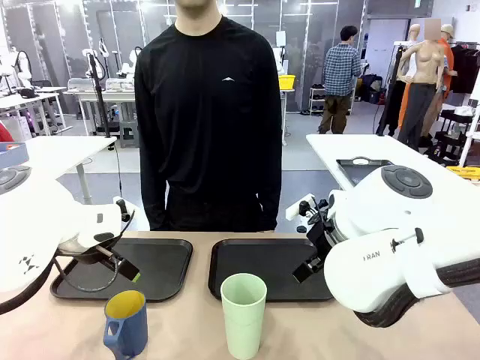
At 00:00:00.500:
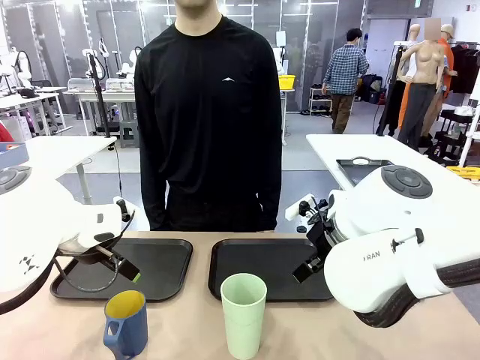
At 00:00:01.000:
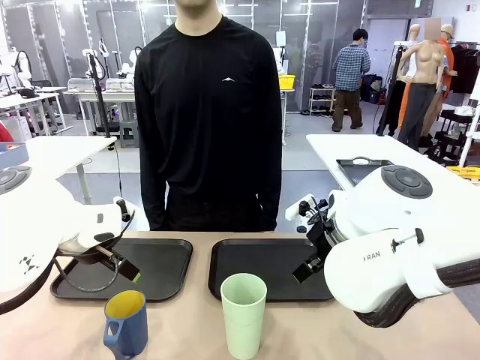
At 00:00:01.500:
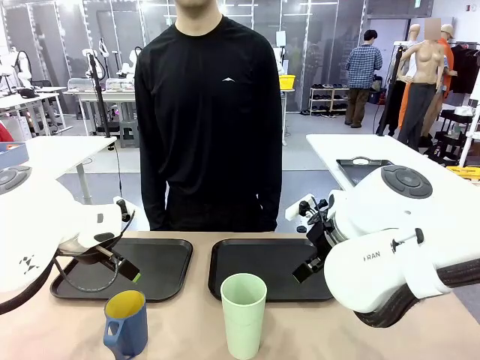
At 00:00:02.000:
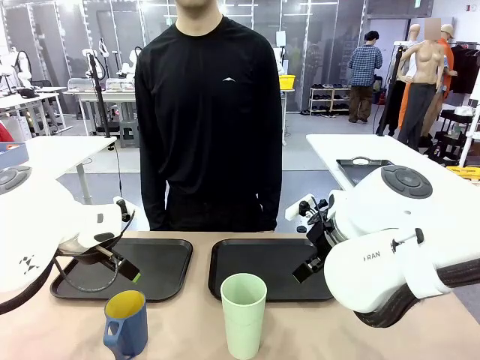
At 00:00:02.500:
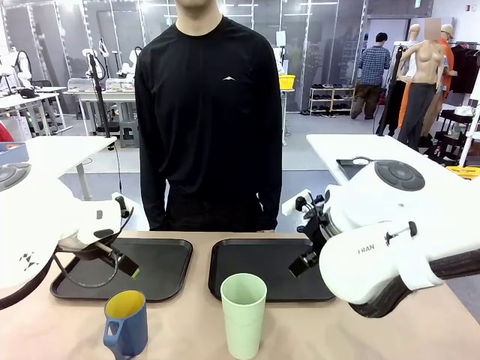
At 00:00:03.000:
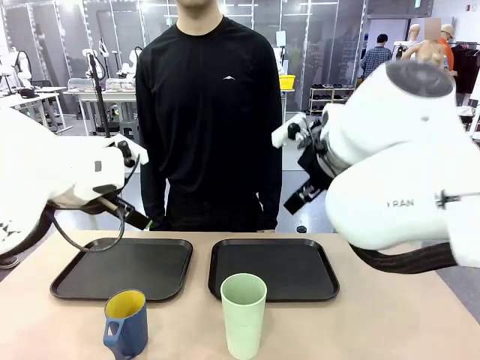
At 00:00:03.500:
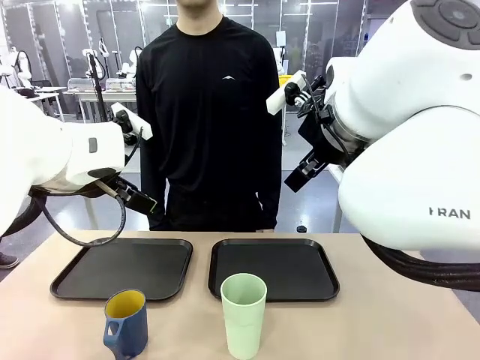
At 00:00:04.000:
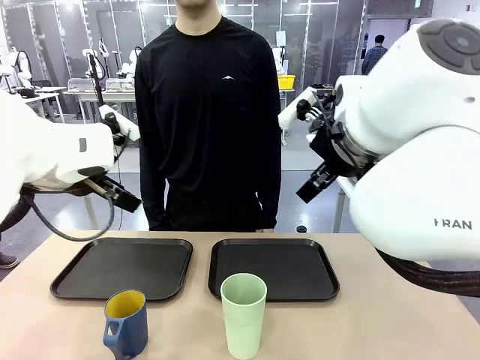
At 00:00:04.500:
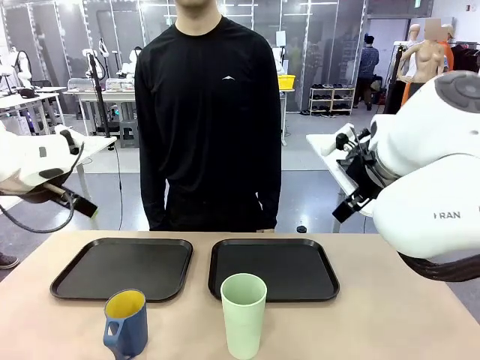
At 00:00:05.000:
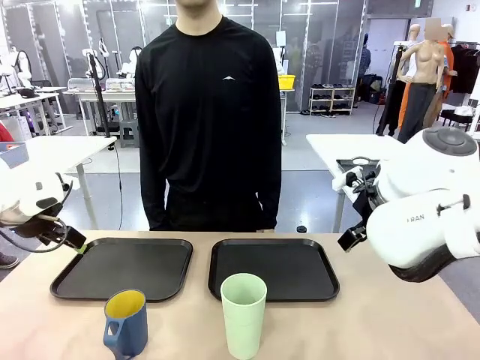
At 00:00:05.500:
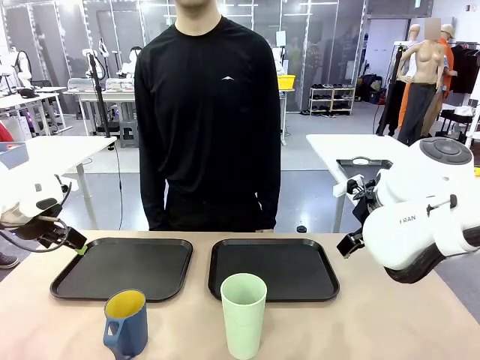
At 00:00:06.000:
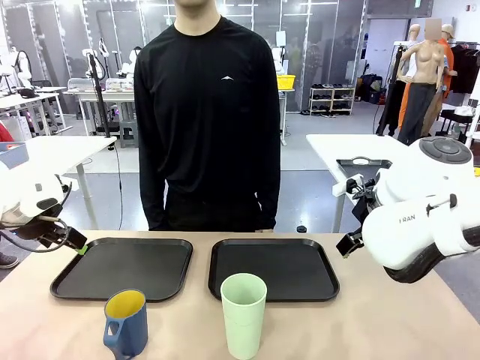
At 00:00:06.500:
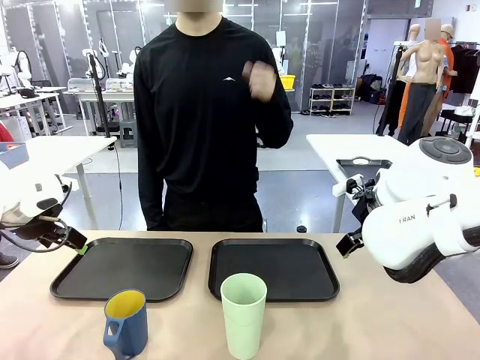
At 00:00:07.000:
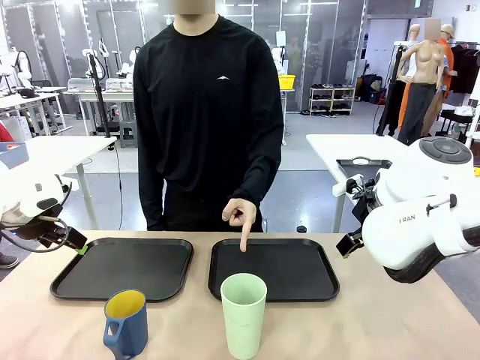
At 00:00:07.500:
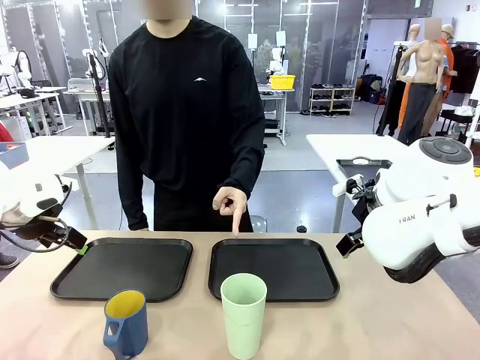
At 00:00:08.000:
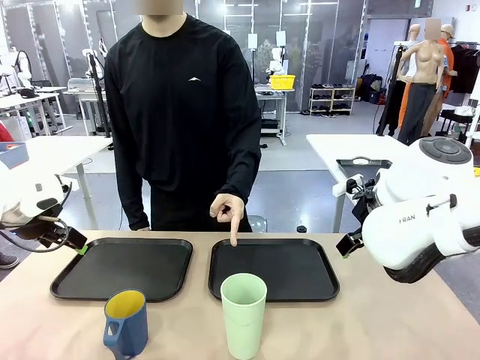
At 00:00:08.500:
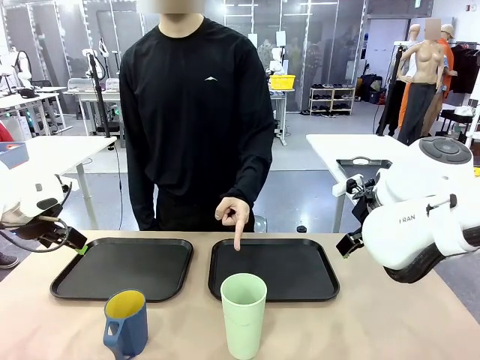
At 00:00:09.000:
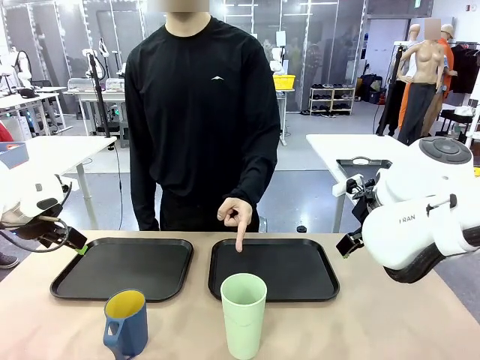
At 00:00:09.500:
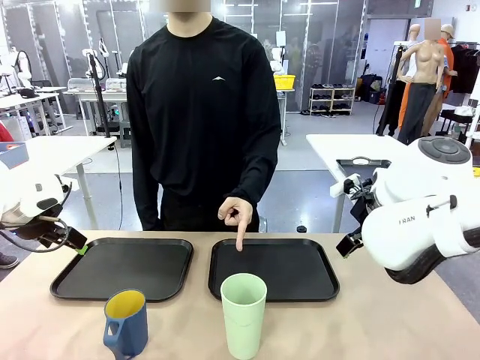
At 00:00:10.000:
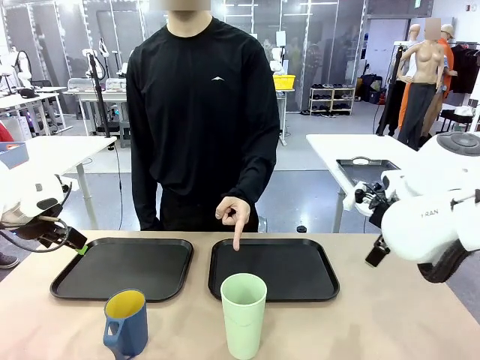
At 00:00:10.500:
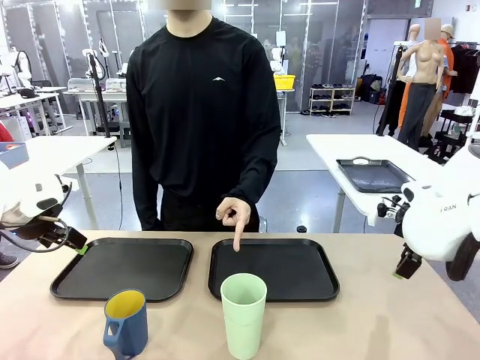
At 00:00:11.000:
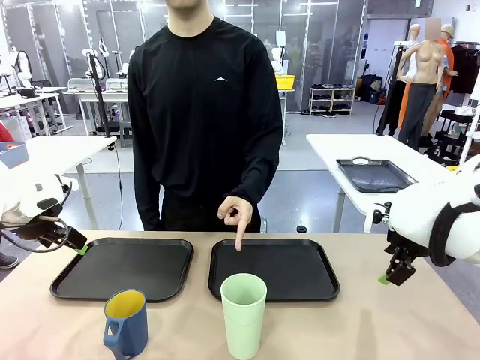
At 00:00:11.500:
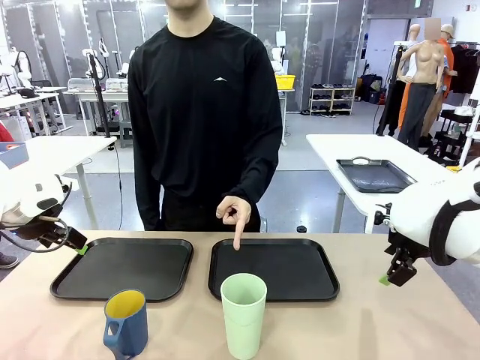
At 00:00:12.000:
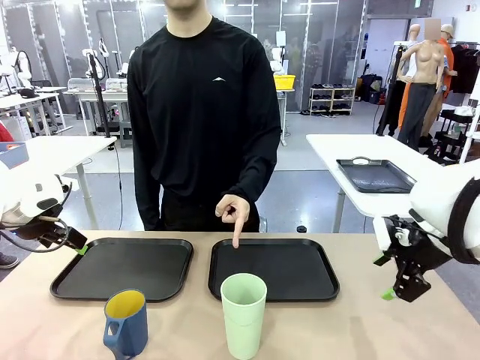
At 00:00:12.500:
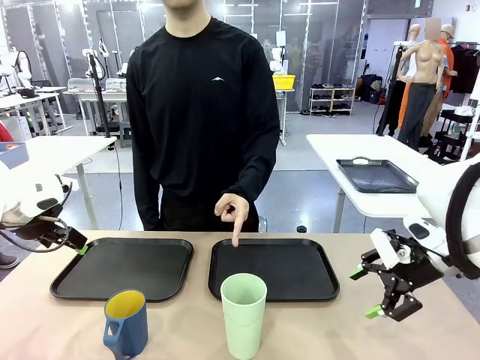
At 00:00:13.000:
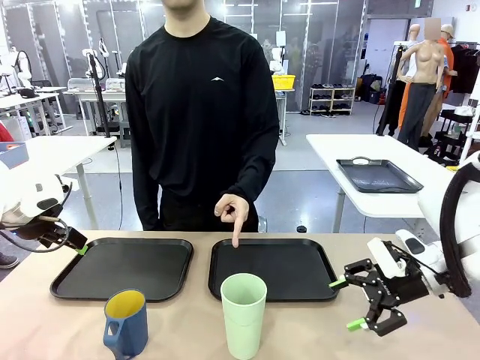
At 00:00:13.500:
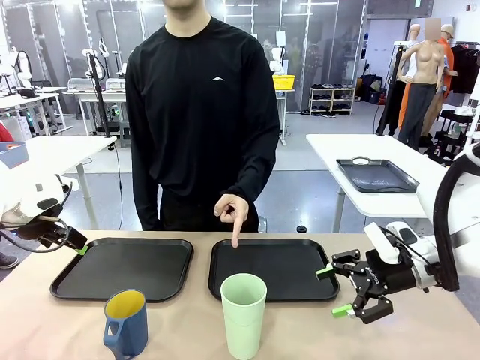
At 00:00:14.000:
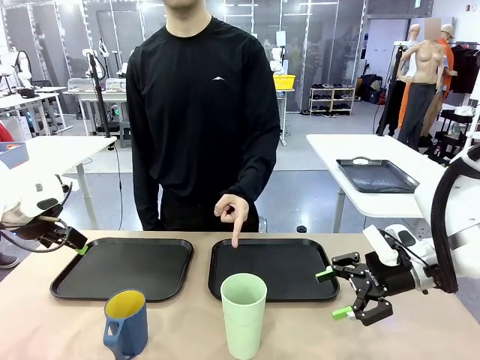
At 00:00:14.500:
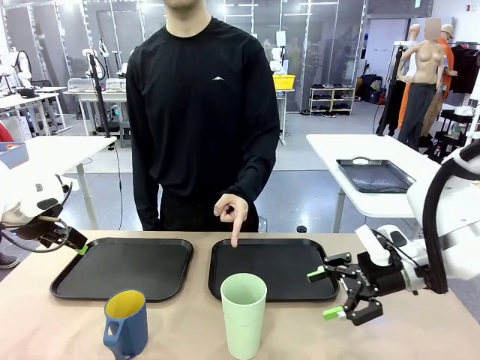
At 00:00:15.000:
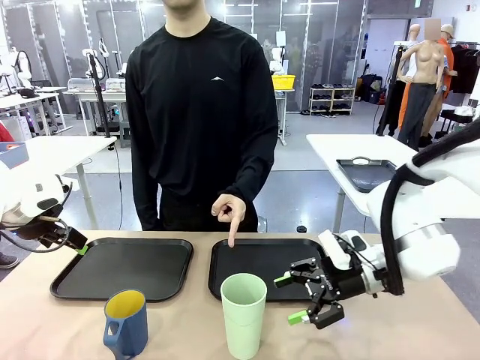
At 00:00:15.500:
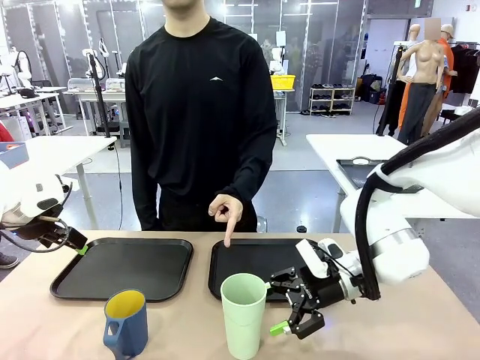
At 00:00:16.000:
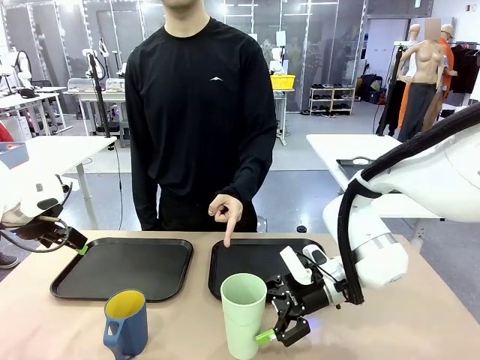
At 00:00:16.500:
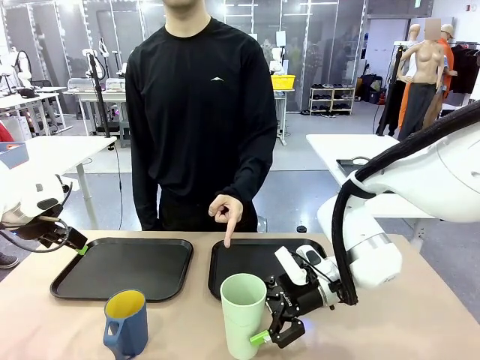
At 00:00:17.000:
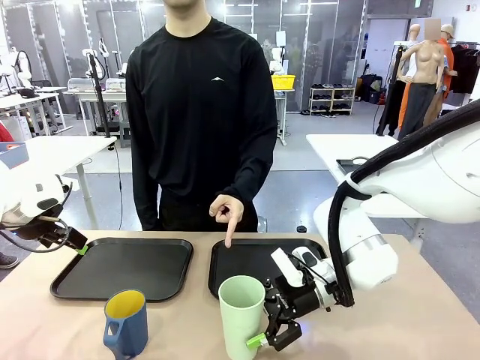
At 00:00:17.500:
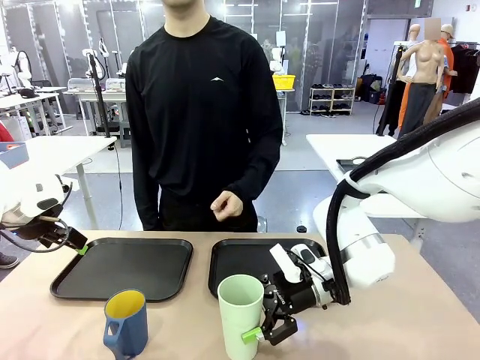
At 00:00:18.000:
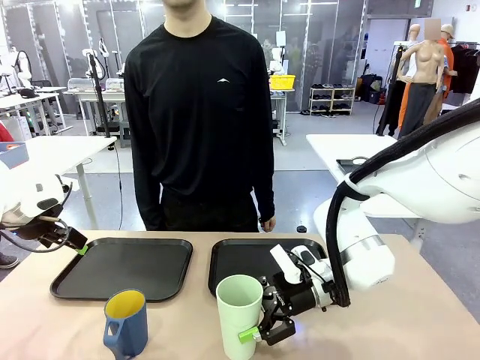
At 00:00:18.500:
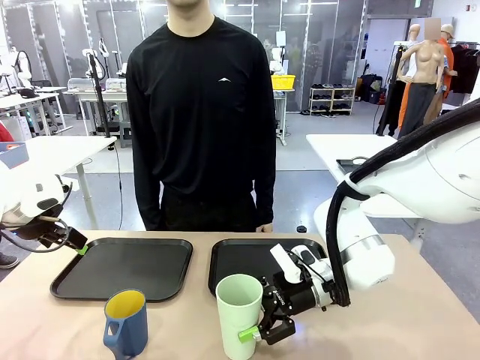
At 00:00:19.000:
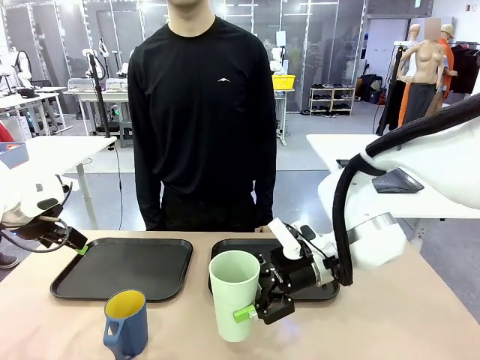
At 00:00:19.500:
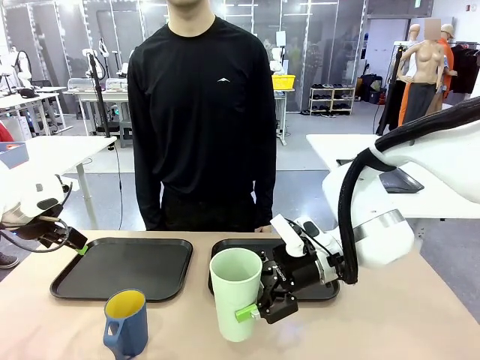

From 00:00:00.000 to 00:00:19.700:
Task: Sort and store the cups by type.
Robot: Pick up the Reusable plastic cup.
Person: Points to the reusable cup. Point to one of the two trays.

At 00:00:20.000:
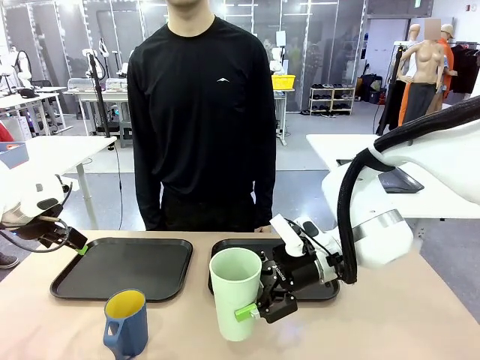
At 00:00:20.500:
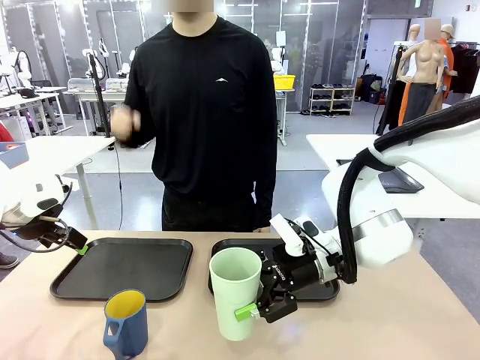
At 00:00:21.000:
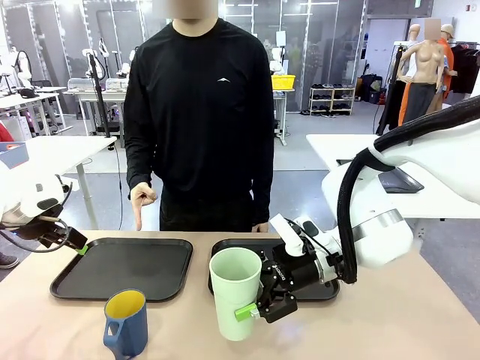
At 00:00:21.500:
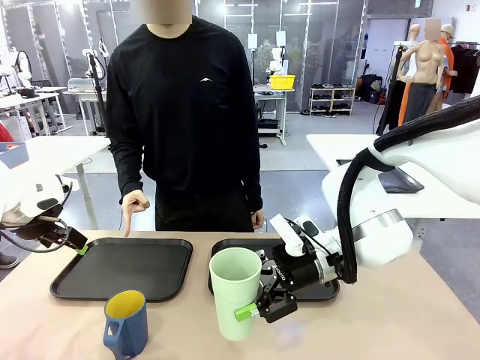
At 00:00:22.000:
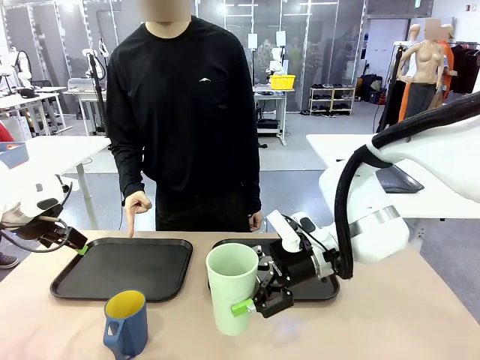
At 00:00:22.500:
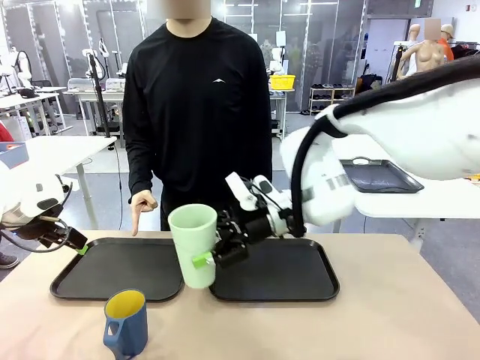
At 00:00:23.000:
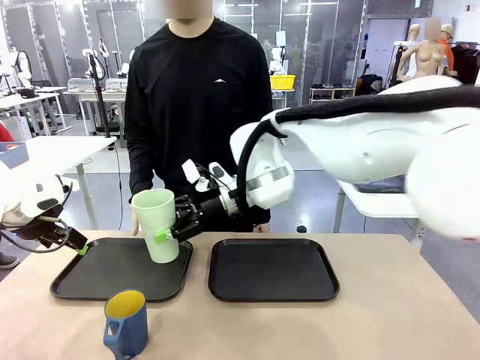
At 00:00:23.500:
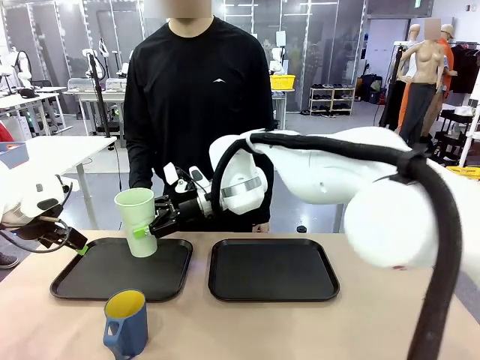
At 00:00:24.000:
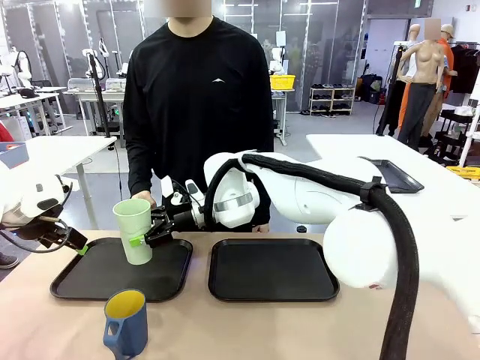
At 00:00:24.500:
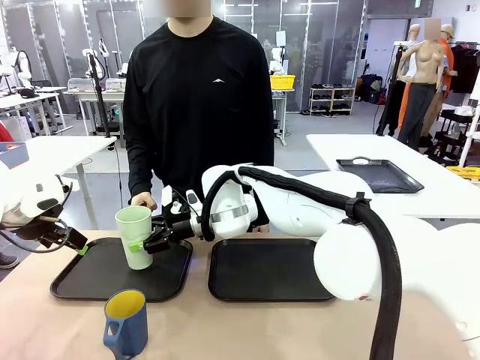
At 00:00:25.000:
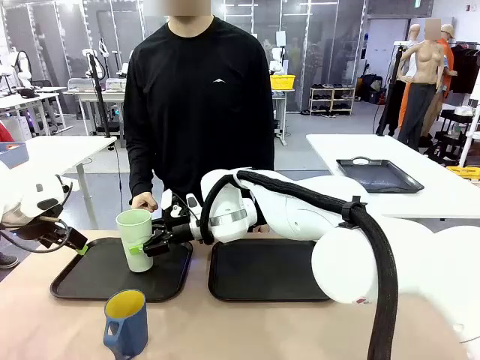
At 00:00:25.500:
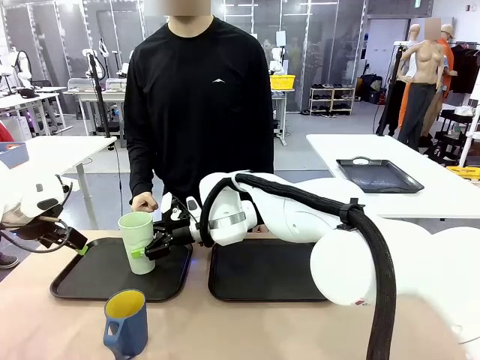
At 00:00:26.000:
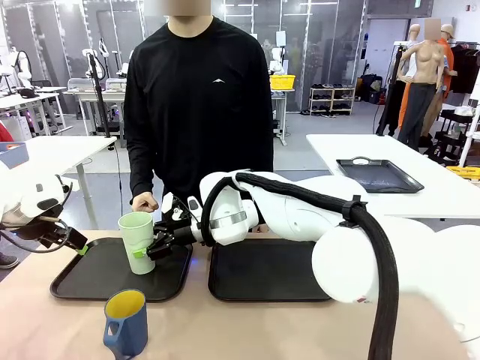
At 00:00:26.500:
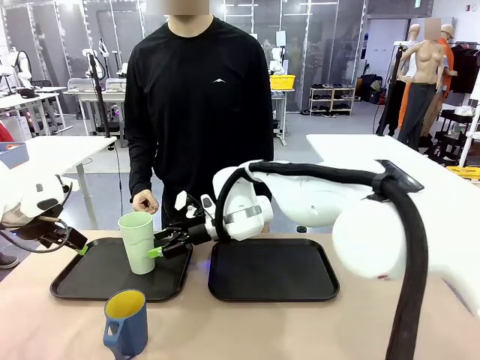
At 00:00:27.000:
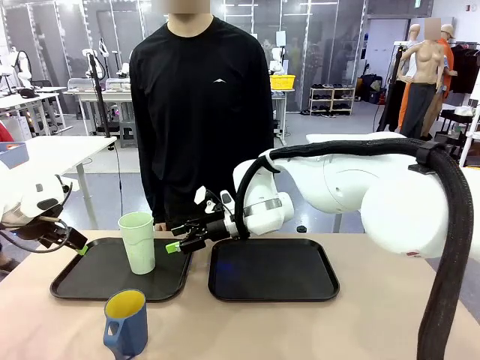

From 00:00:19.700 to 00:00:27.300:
Robot: Place the picked Reusable plastic cup into the Flat Tray indicated by the person.
